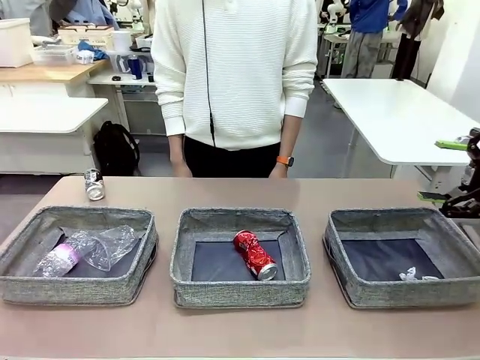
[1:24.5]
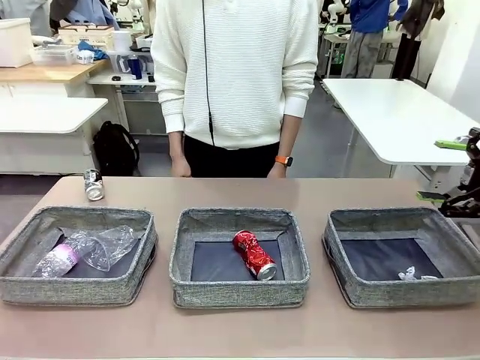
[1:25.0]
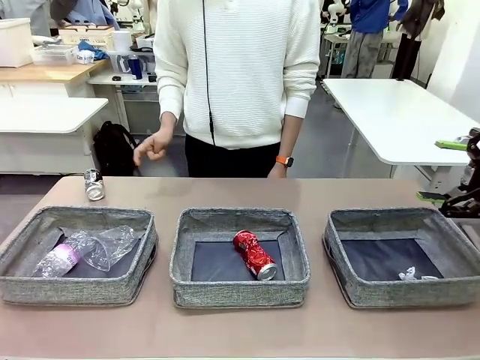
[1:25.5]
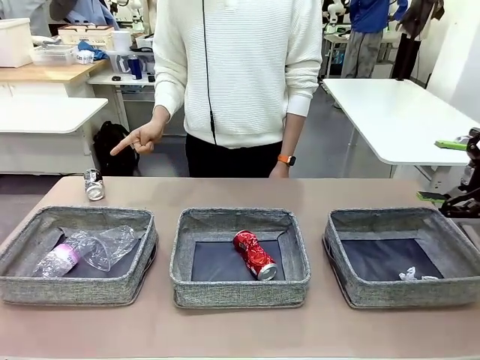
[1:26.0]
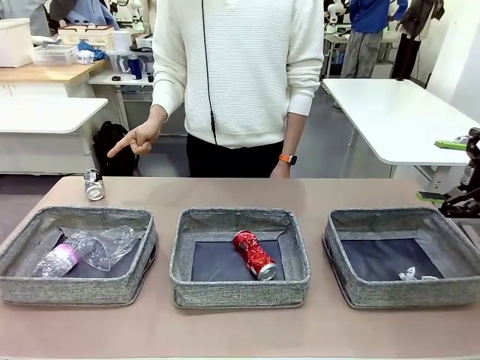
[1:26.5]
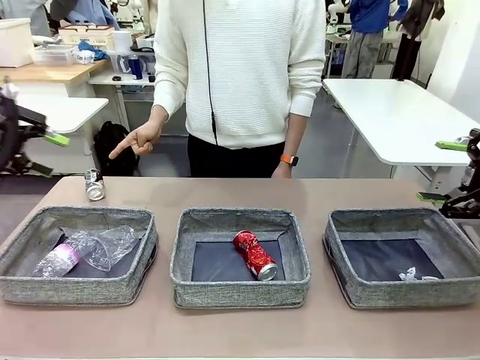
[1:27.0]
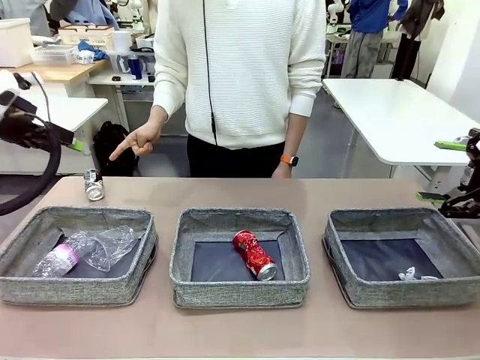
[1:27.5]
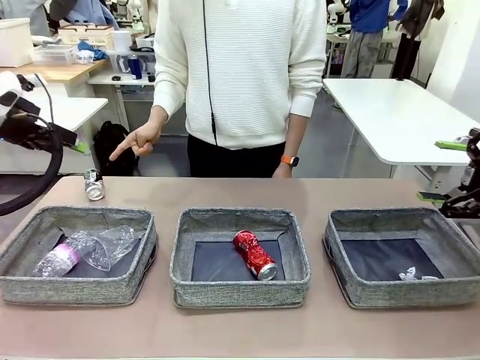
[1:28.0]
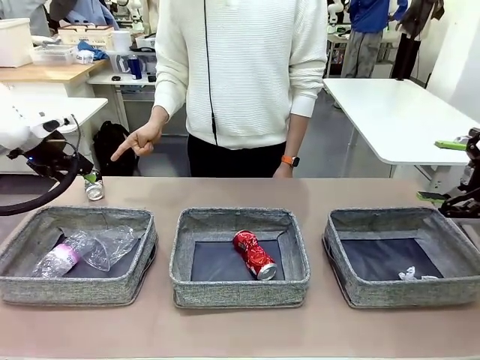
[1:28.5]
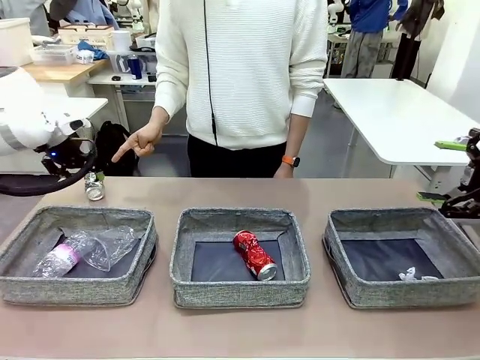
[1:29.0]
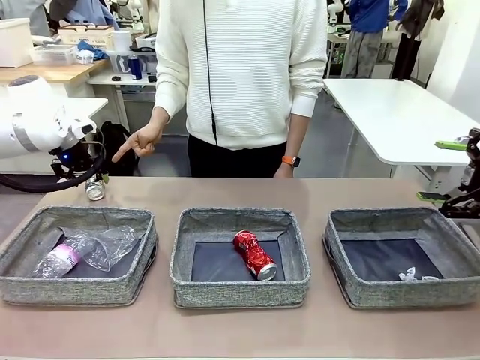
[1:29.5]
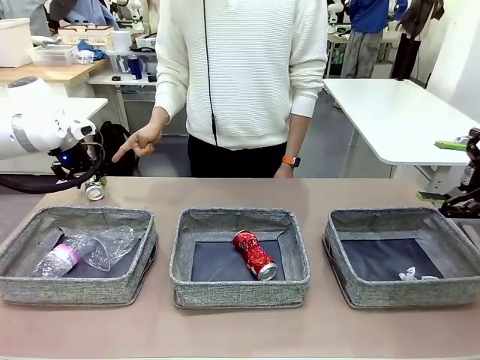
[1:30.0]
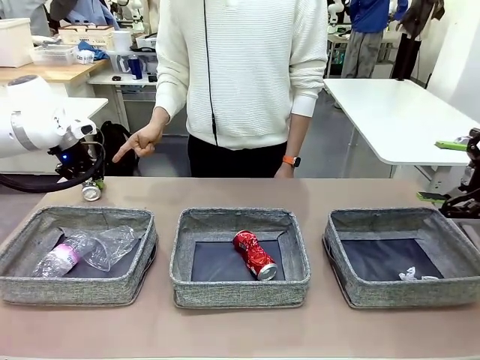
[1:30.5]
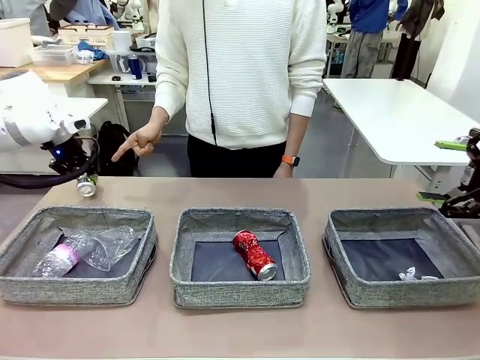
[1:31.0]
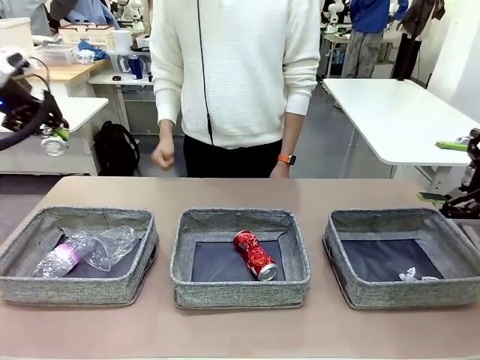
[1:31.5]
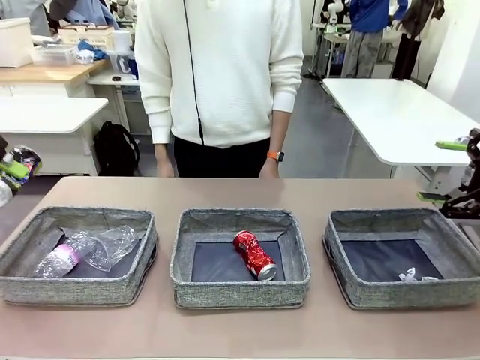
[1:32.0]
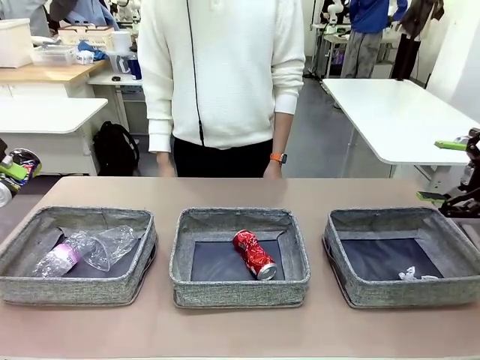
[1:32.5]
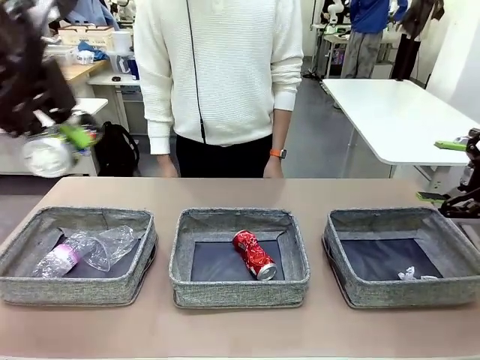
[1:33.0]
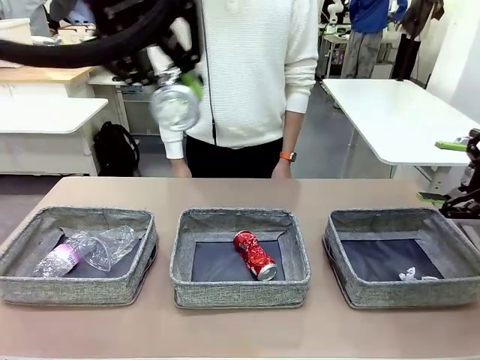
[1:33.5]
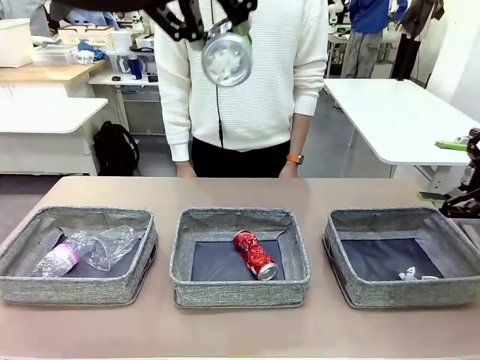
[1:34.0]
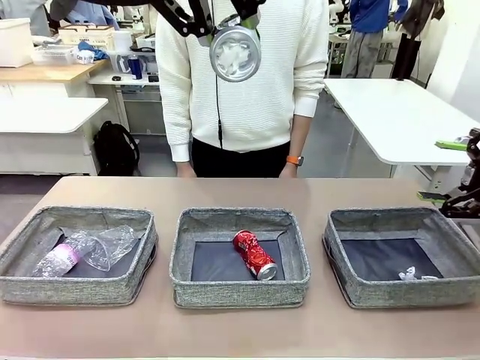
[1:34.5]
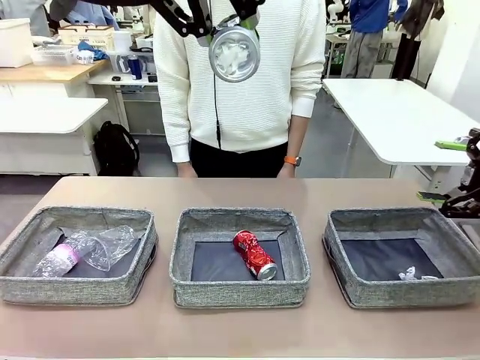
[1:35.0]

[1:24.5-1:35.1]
Task: Sort the waste into the appropriate baskets.
Robot: Pick up the waste item pointed out by the person.
Person: Points to one piece of trash on the table.

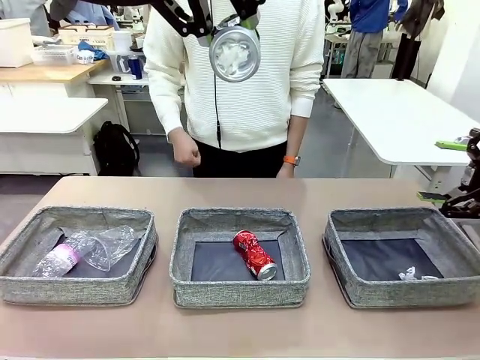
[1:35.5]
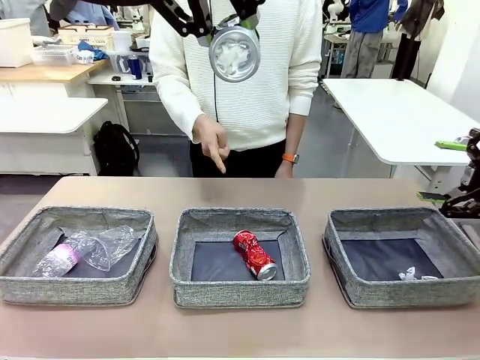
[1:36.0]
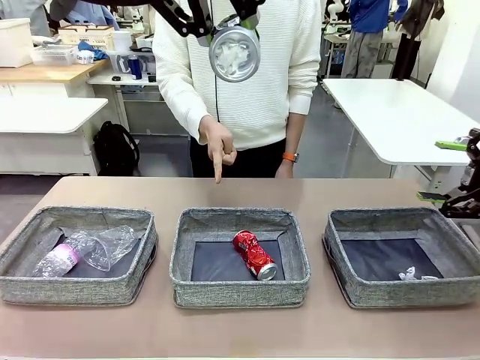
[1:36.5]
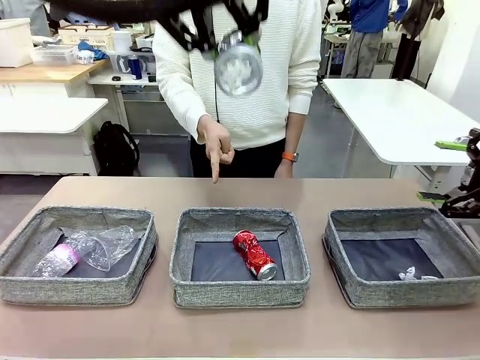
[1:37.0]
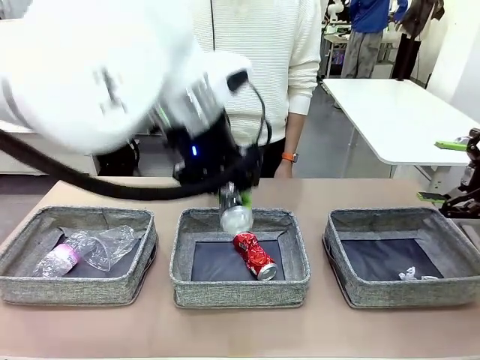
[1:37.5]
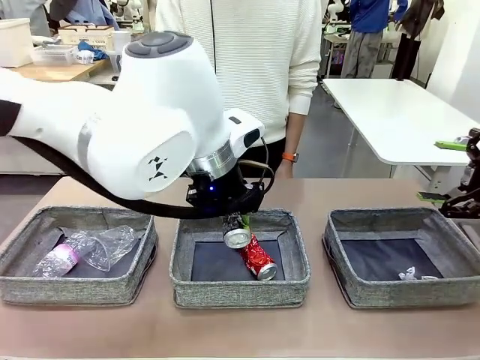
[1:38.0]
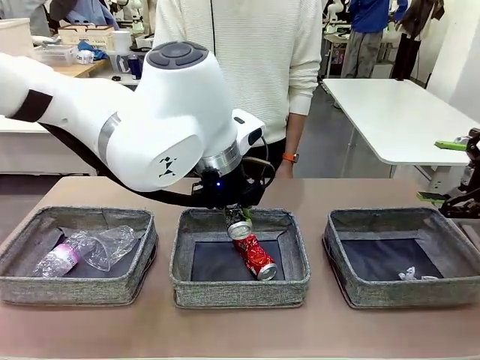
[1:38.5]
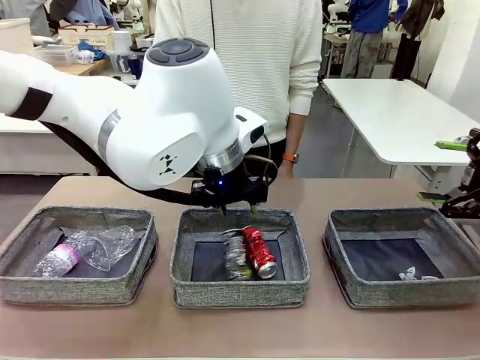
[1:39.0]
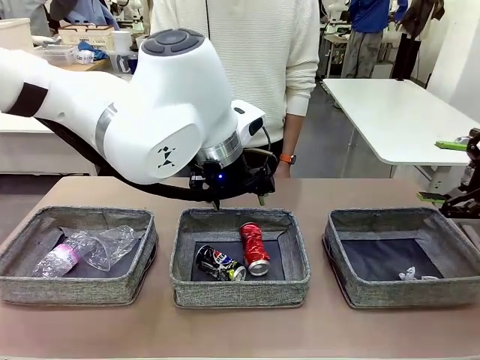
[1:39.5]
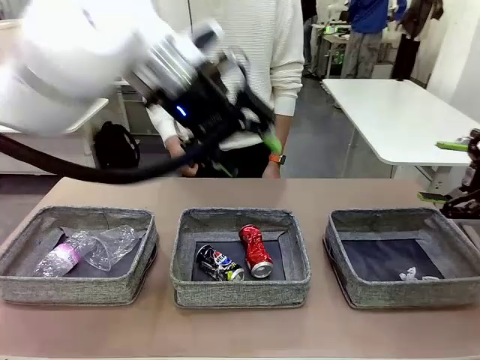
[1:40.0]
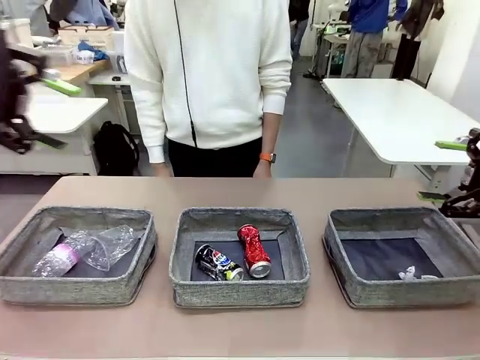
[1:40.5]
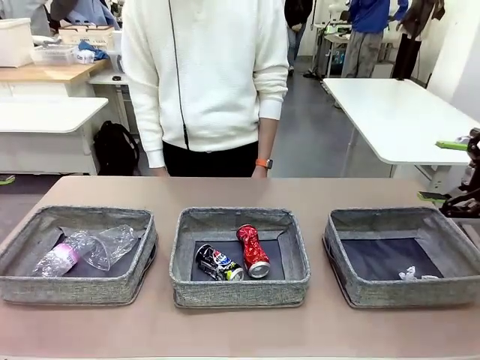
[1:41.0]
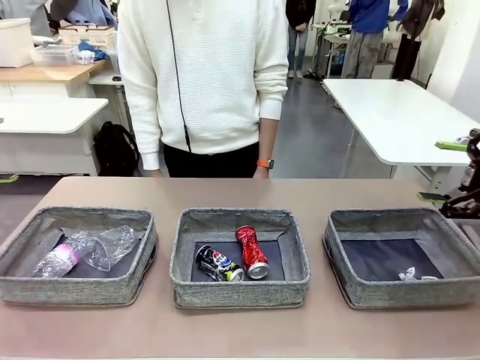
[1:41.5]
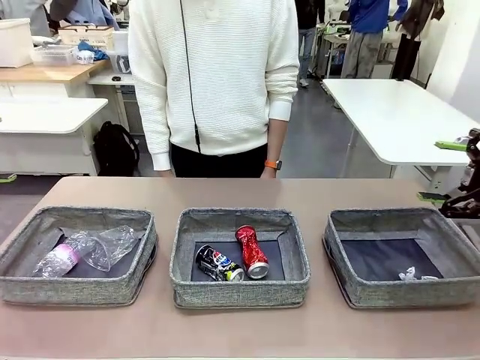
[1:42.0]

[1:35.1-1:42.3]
Robot: Place the picked waste into the Fabric basket indicated by the person.
Person: Instructs the robot to place the picked-up trash into the appropriate organizing basket.

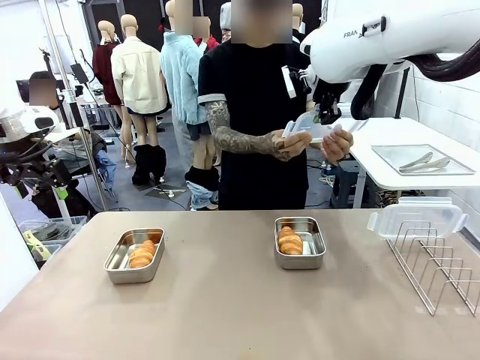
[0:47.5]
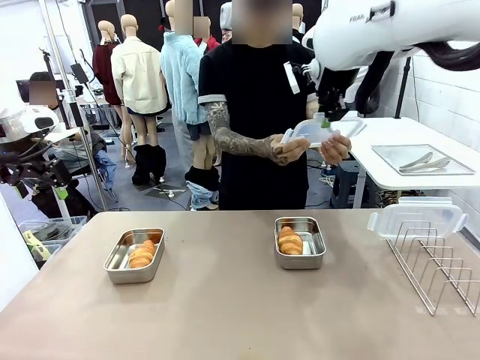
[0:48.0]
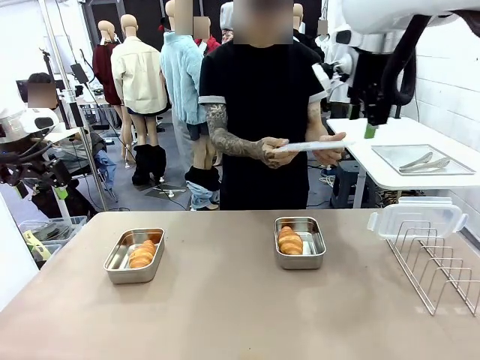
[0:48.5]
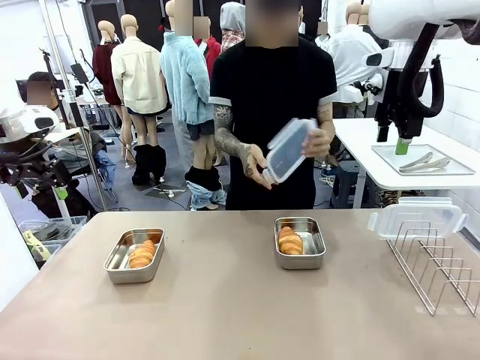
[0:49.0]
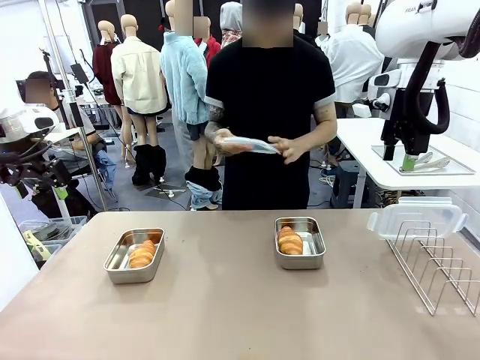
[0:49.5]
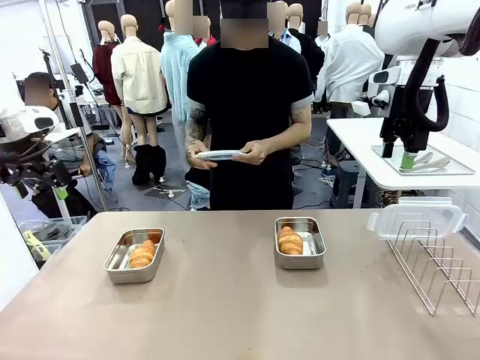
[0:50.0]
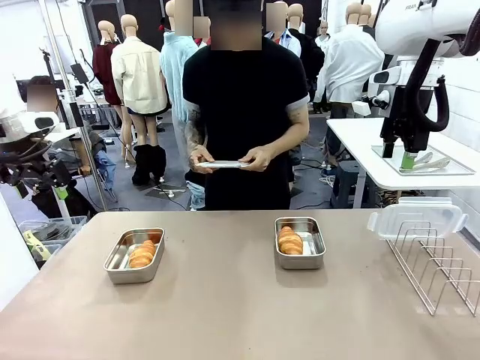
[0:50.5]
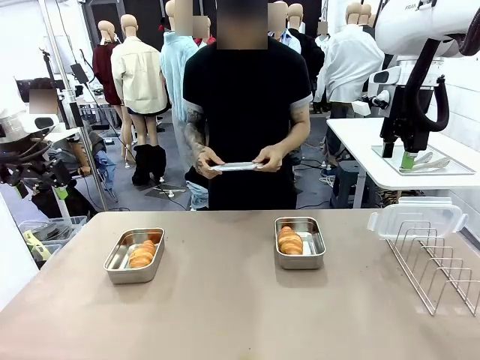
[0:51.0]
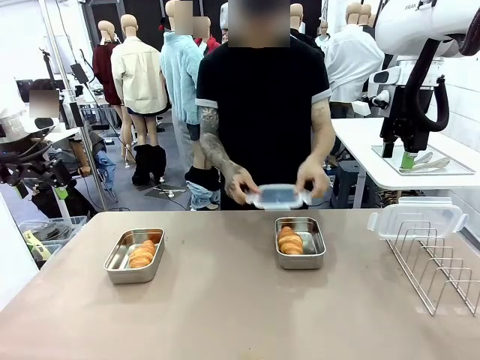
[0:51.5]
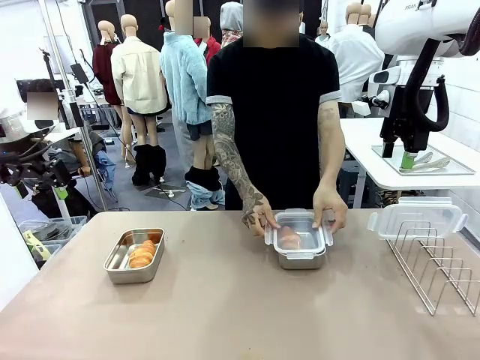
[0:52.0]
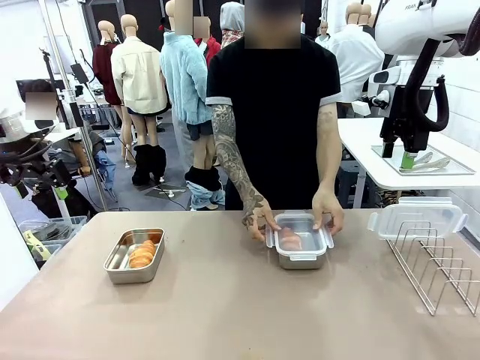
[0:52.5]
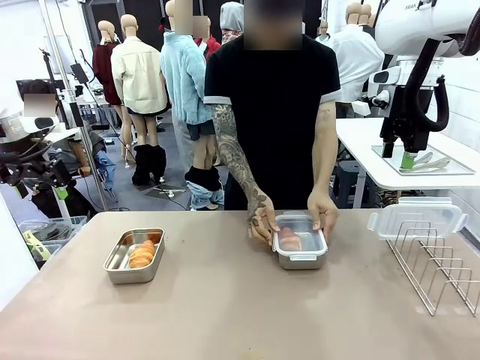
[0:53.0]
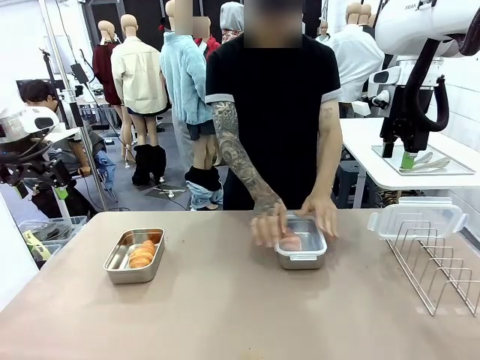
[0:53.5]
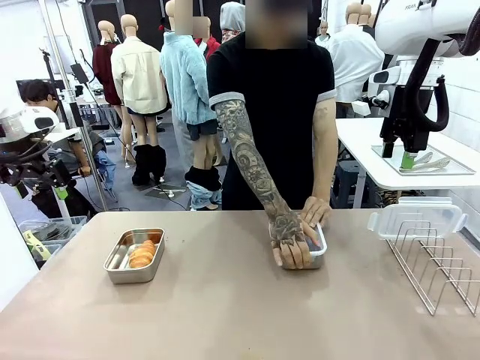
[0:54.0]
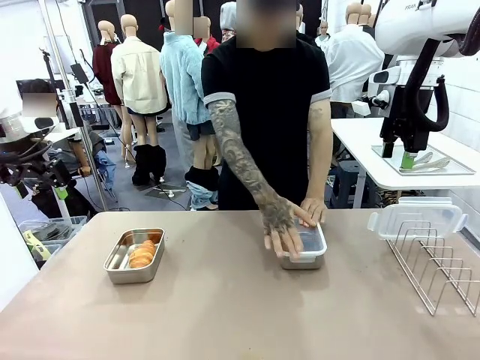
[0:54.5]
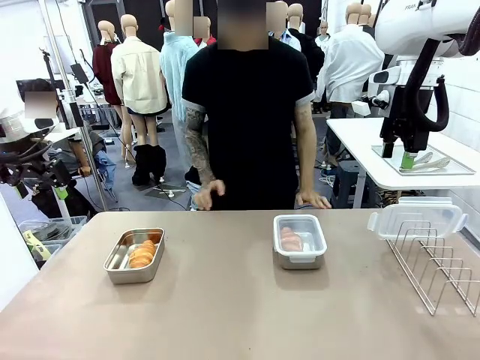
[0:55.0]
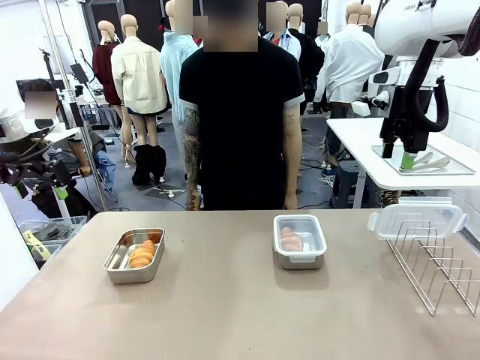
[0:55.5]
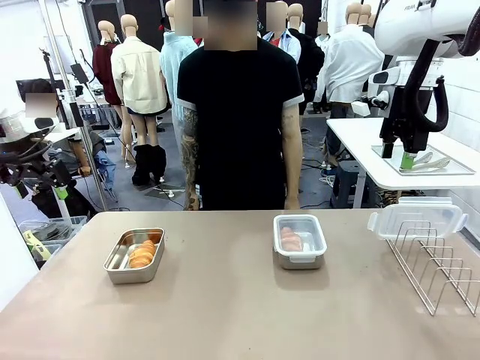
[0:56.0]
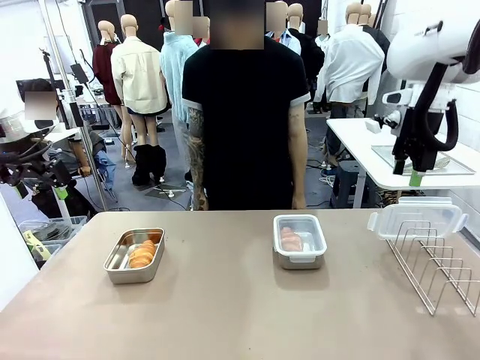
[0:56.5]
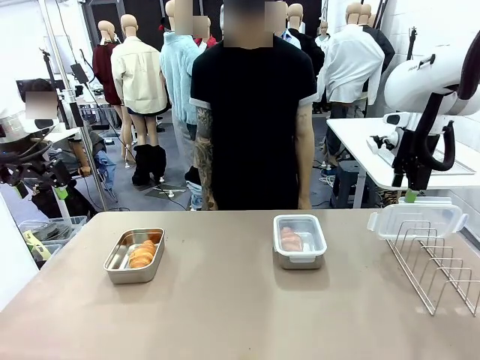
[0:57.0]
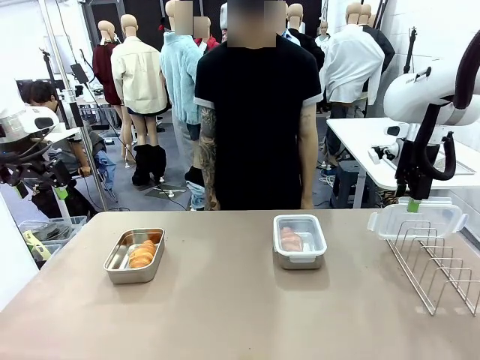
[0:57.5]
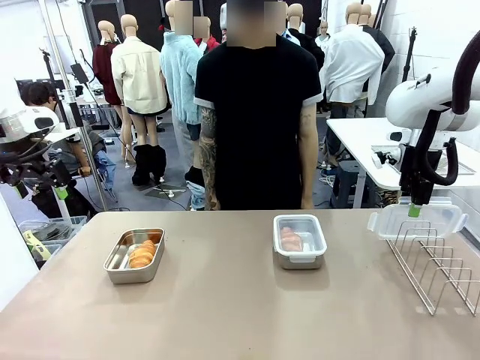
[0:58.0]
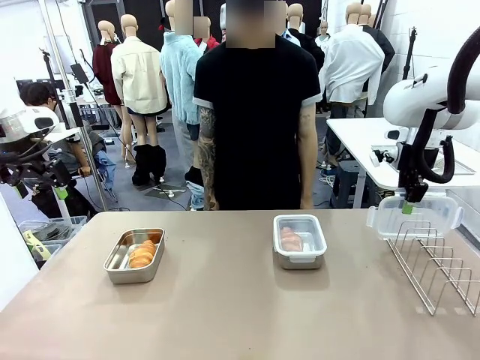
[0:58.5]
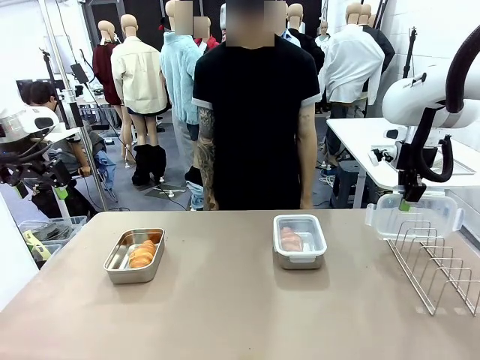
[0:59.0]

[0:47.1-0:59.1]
Task: Place the bread in airtight containers.
Robot: Pick up one Airtight Container lid and hand it to the human.
Person: Close Airtight Container with a handed Airtight Container lid.
